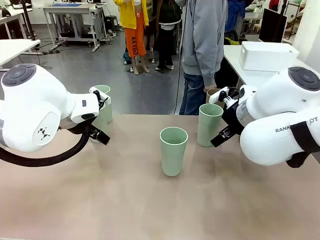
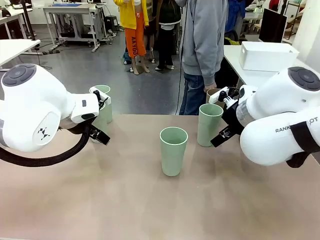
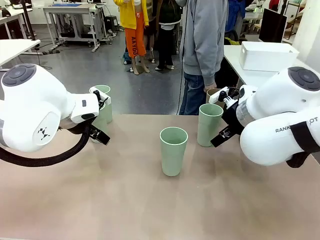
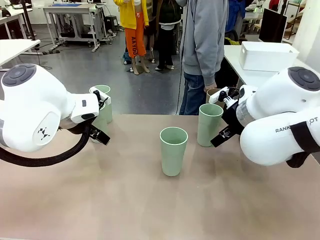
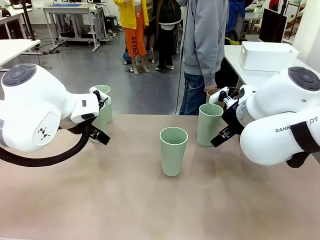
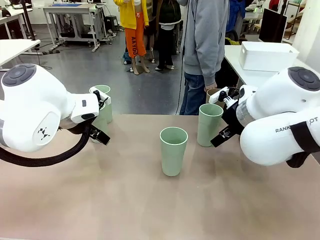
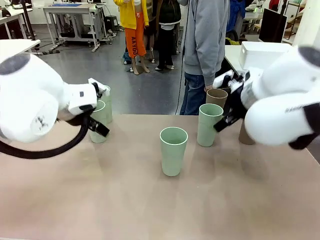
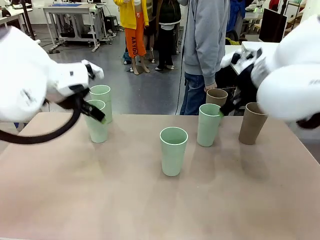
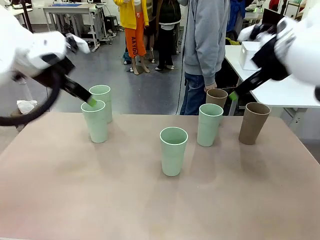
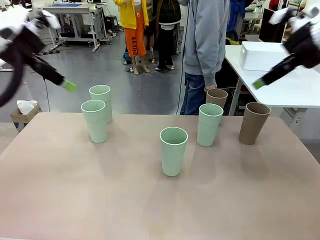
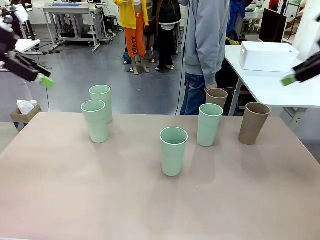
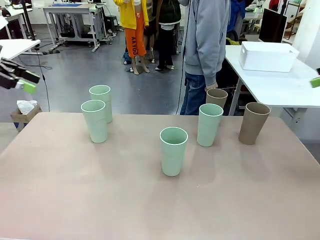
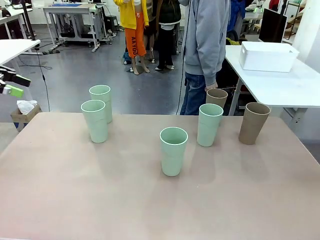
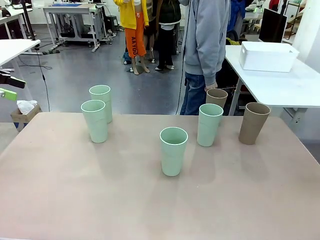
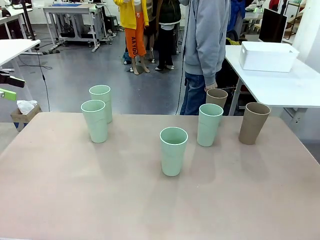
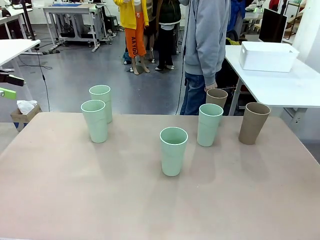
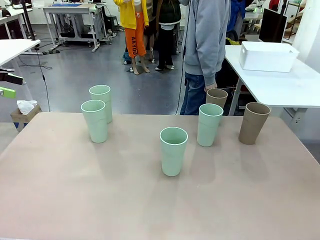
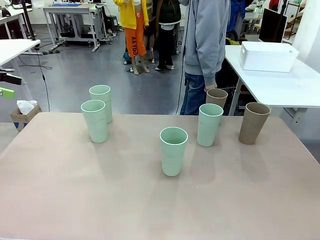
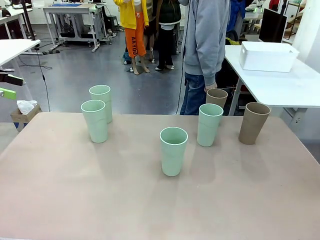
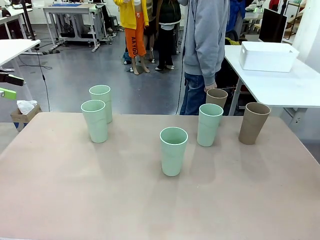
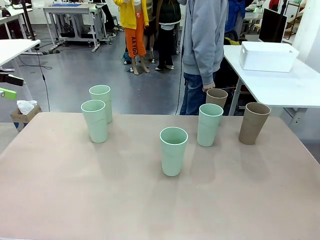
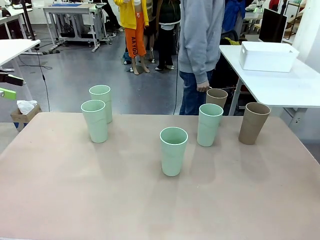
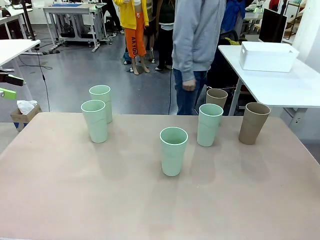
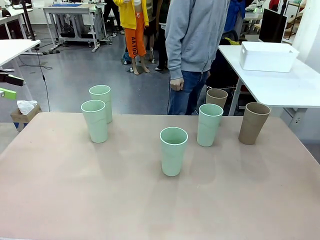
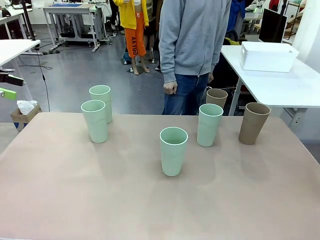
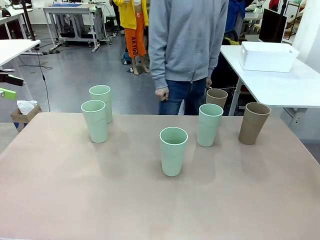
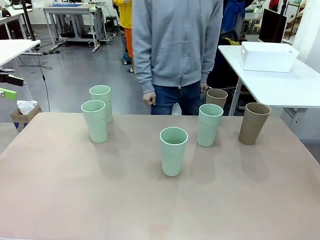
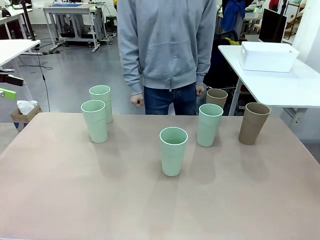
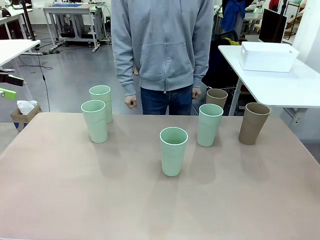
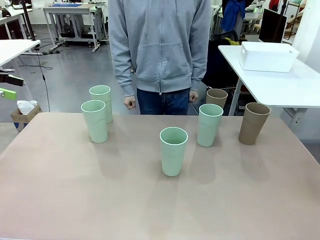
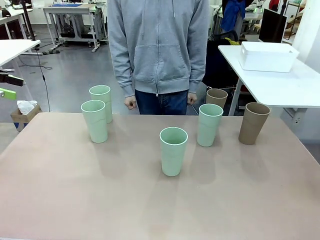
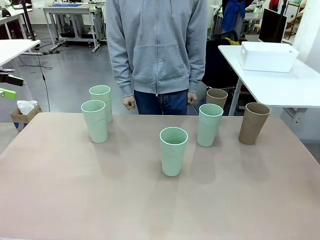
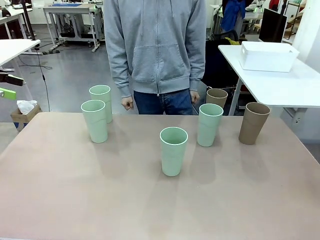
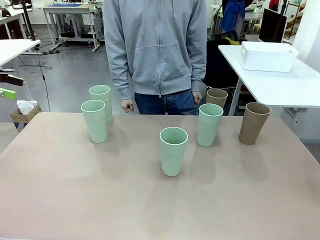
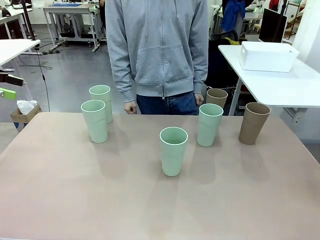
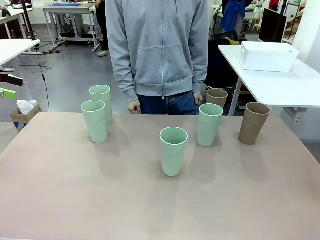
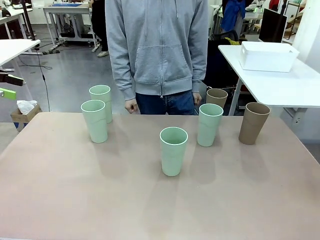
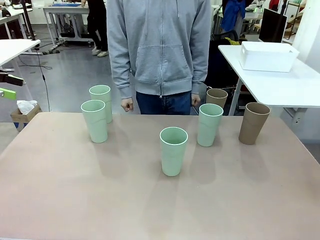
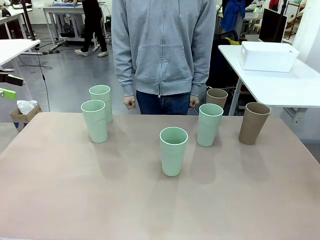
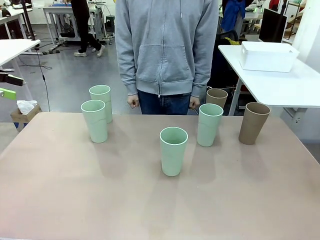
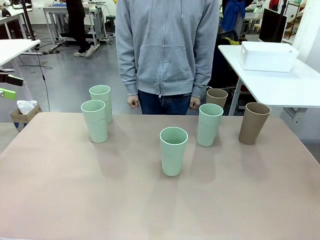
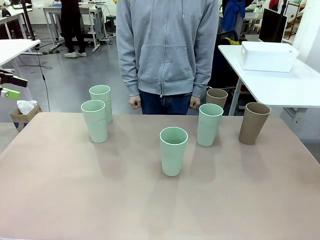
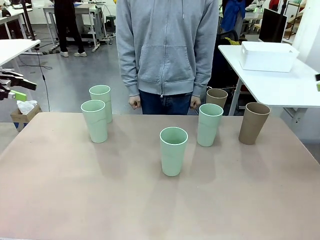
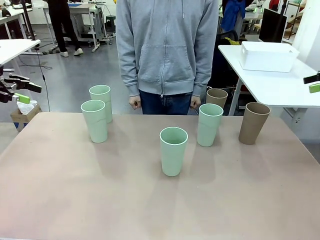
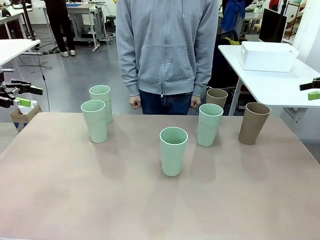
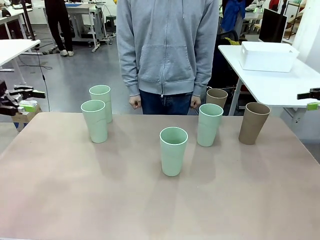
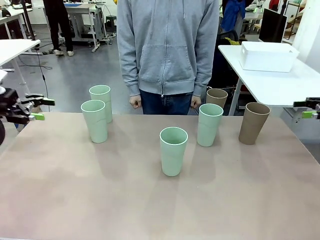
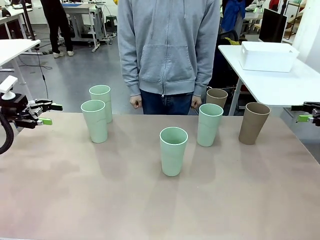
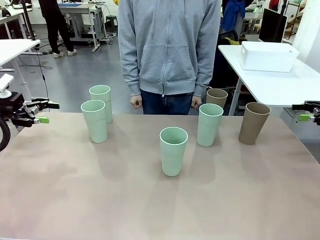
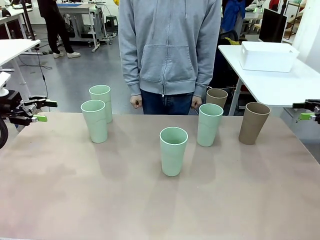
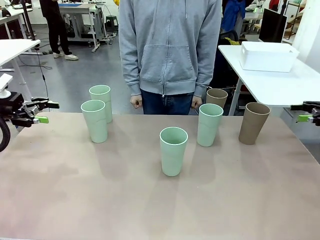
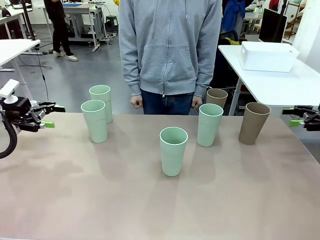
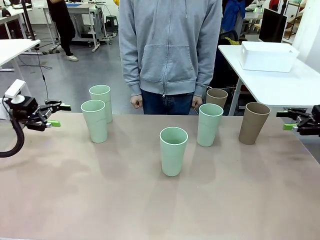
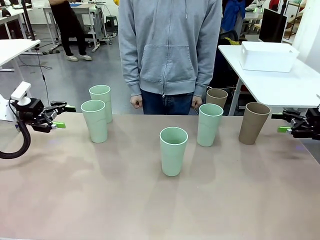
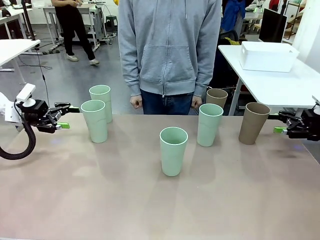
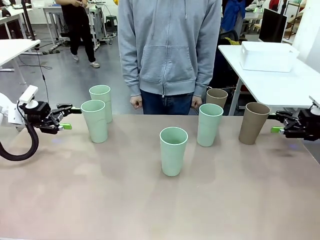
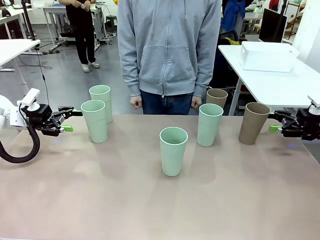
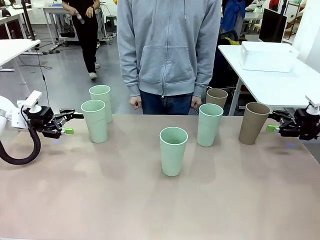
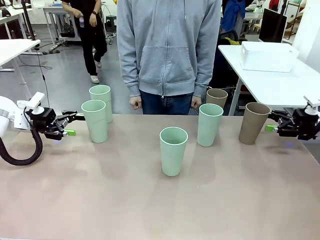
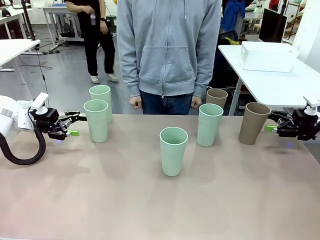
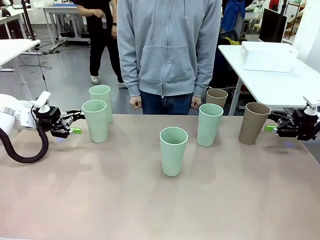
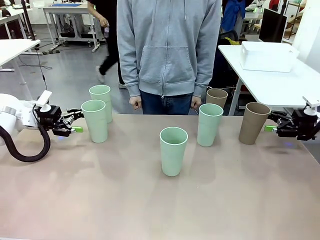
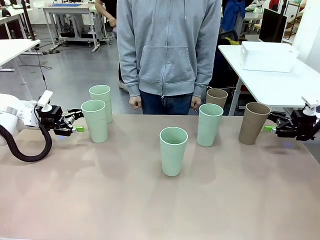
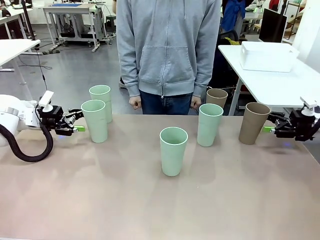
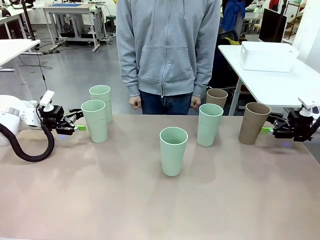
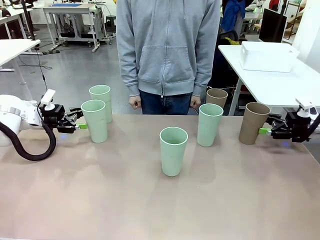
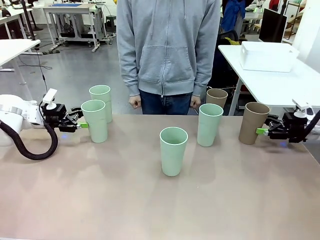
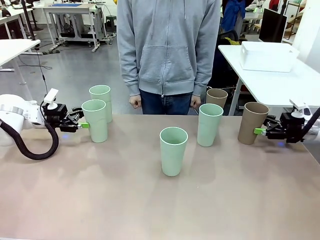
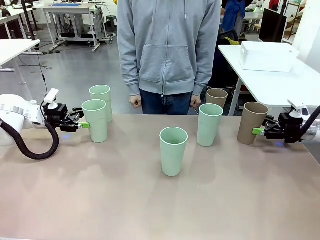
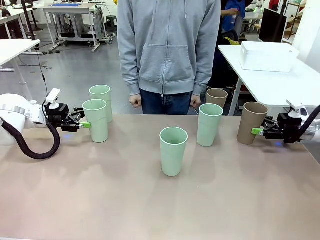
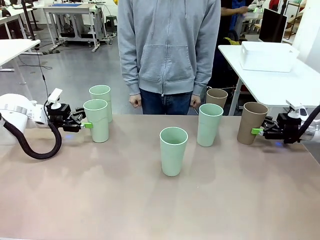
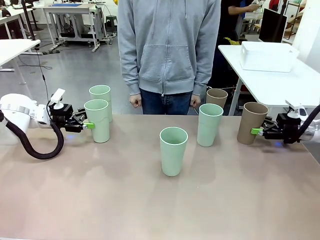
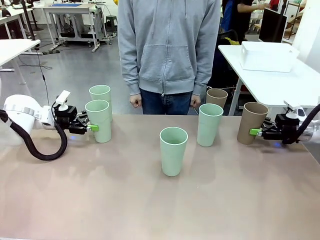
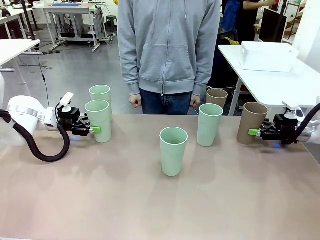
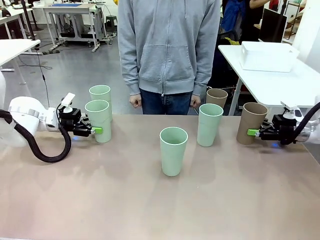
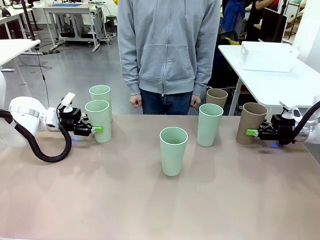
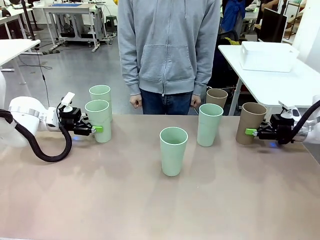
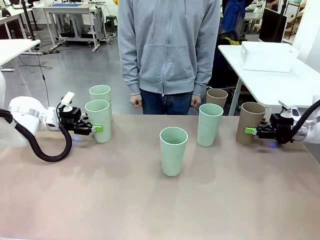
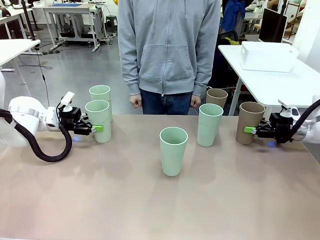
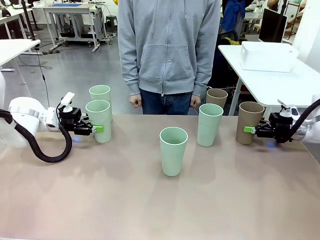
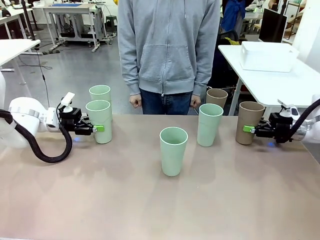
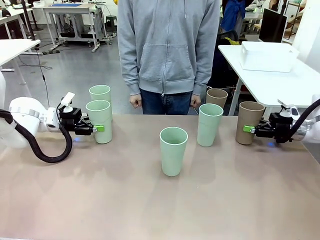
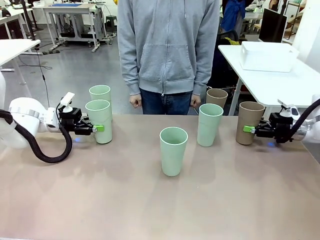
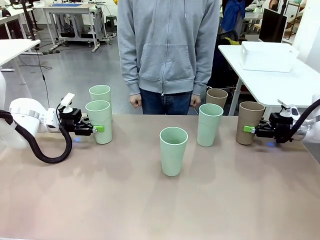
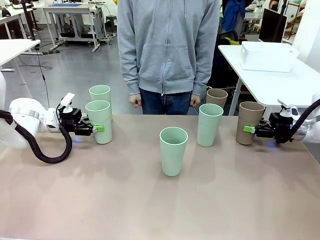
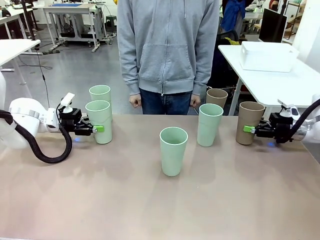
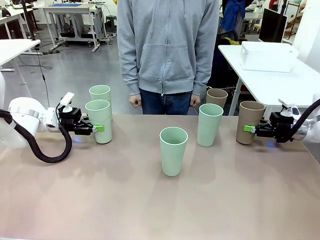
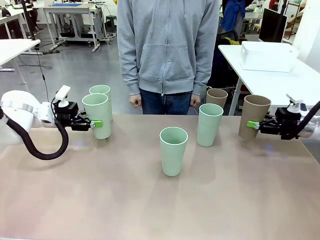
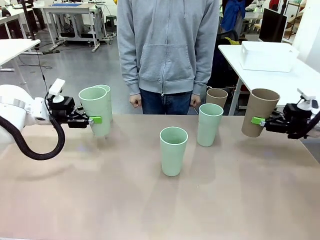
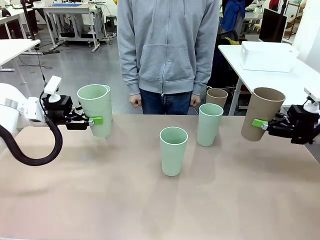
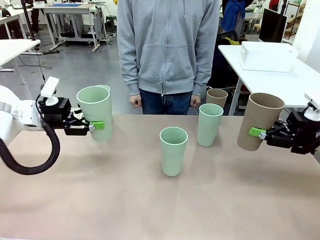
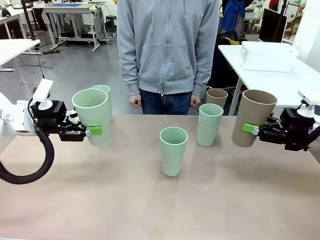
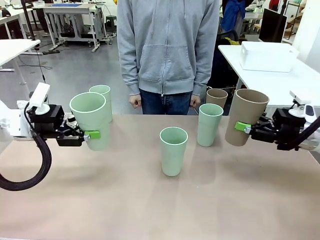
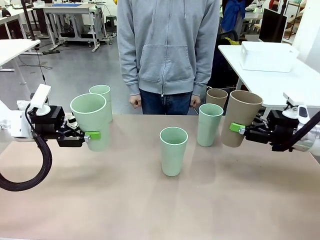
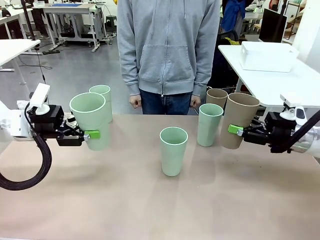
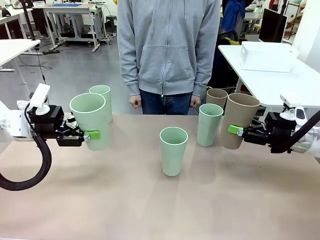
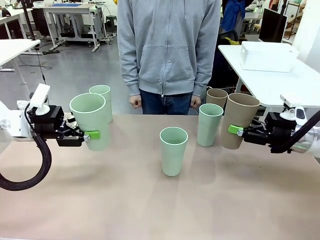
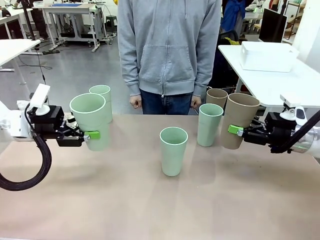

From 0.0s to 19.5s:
Task: Stack the cups and store them in the basket.
Robot: Pick up two Reusable plastic cups , one in each hand.
Person: Move from the Human Table to the front of the Robot Table. Stack two of the remaining cups on top of each cup held by the robot.
